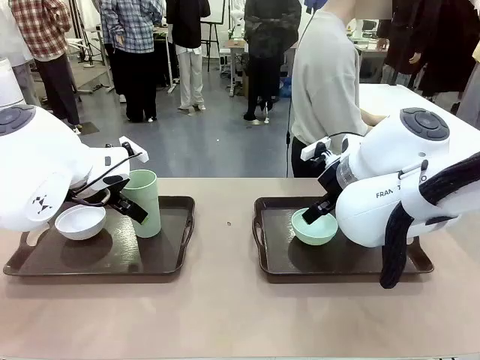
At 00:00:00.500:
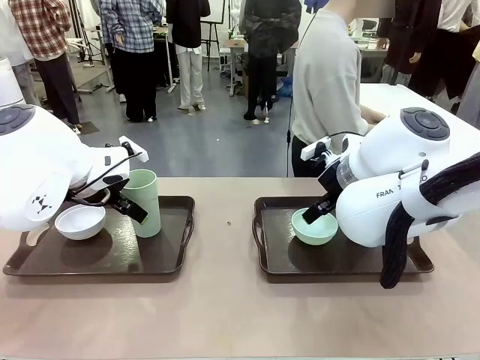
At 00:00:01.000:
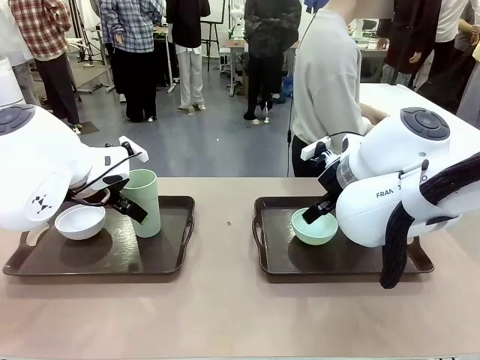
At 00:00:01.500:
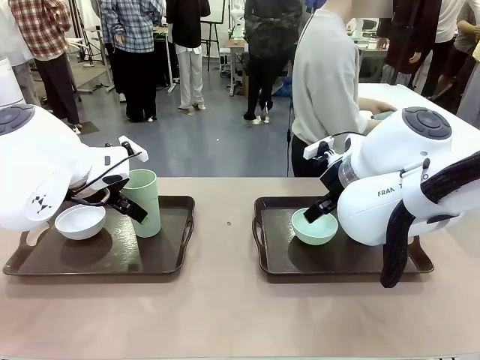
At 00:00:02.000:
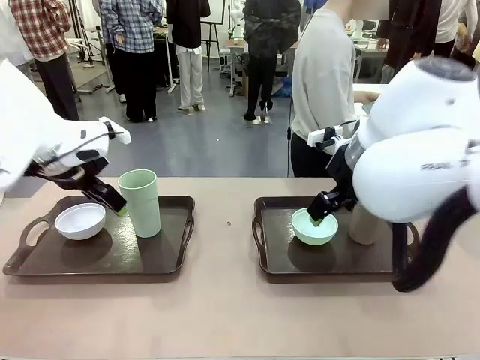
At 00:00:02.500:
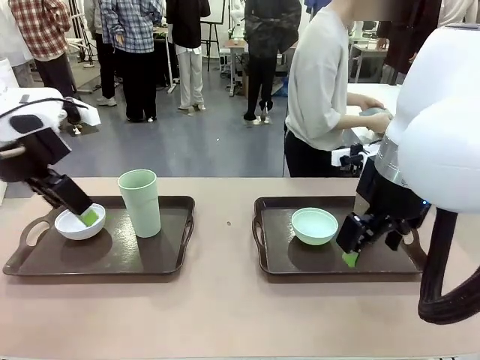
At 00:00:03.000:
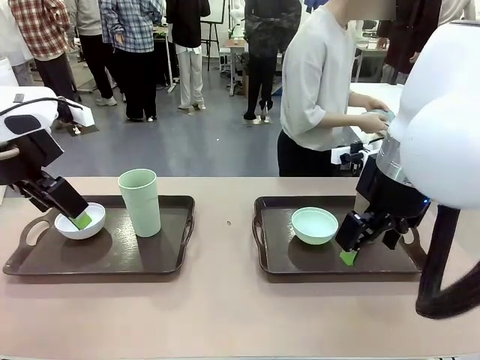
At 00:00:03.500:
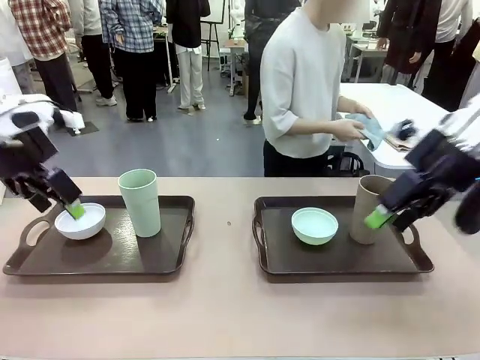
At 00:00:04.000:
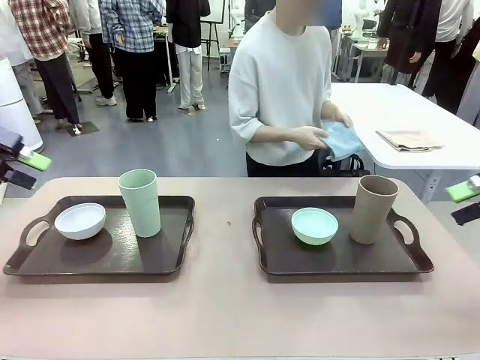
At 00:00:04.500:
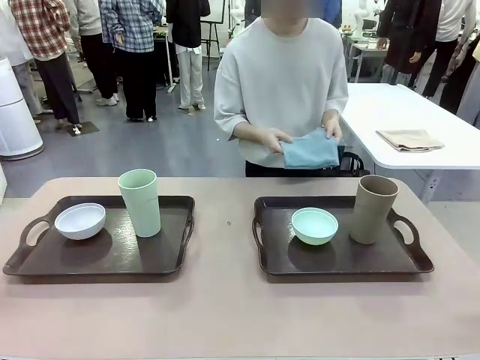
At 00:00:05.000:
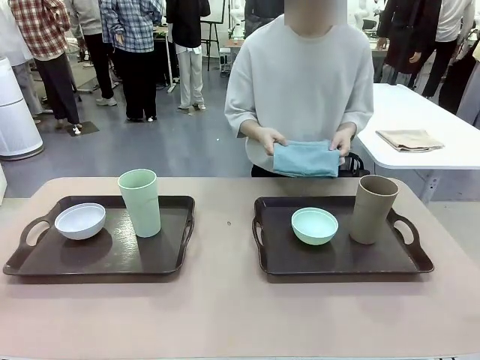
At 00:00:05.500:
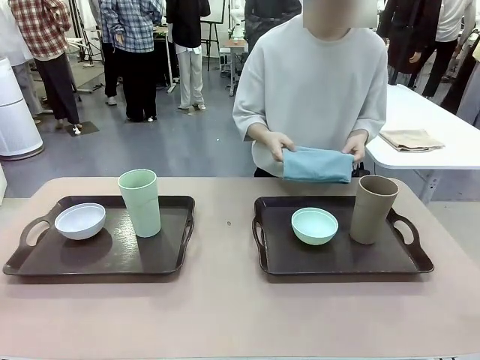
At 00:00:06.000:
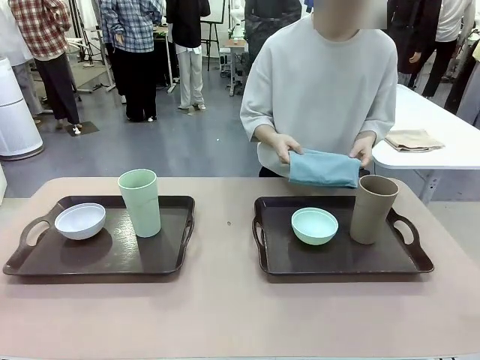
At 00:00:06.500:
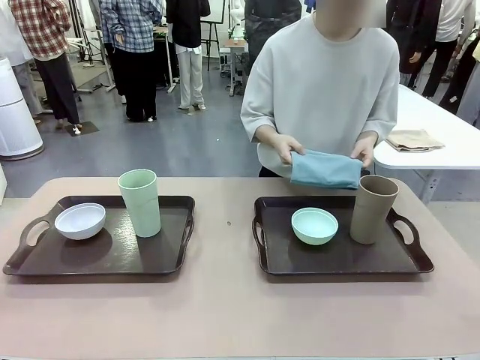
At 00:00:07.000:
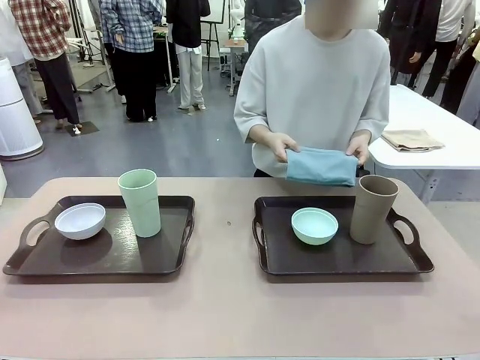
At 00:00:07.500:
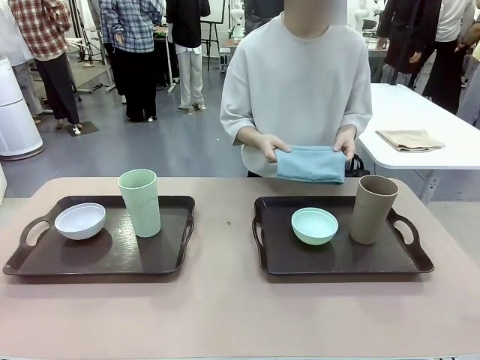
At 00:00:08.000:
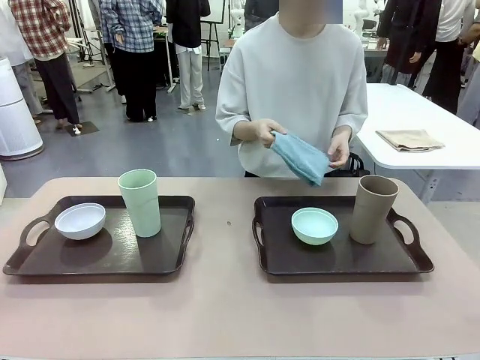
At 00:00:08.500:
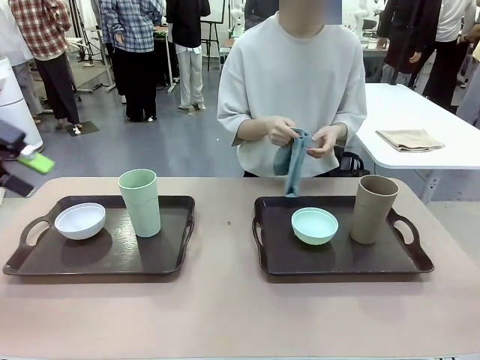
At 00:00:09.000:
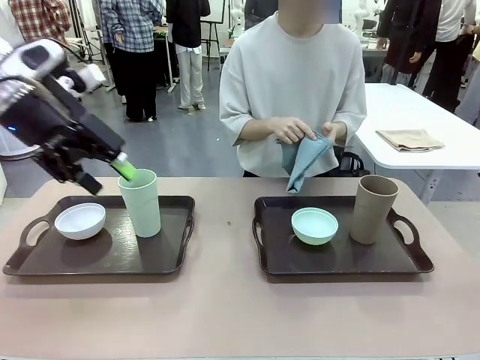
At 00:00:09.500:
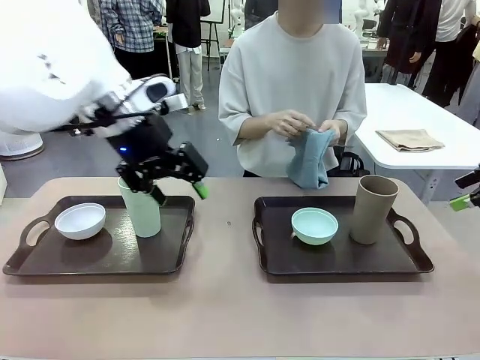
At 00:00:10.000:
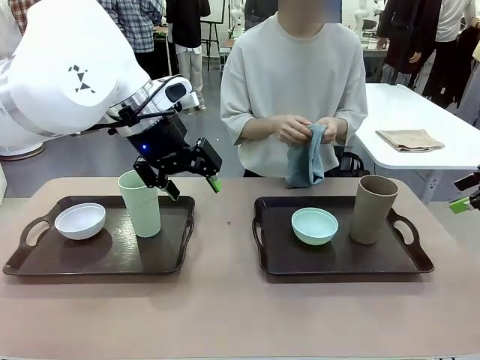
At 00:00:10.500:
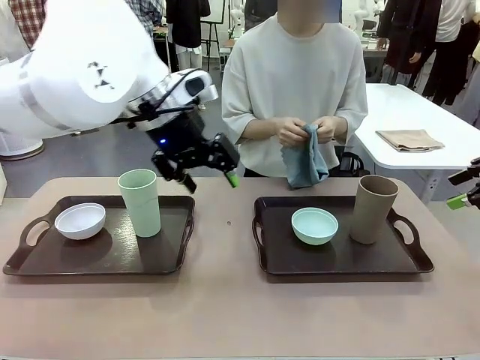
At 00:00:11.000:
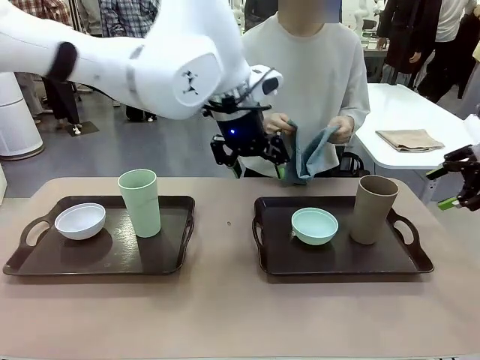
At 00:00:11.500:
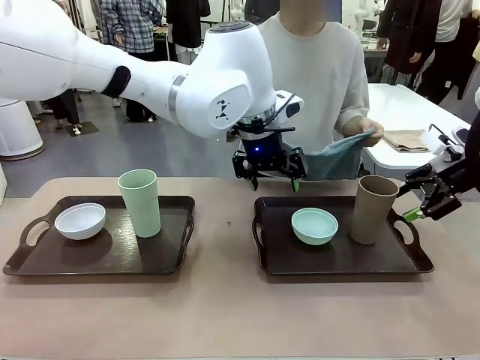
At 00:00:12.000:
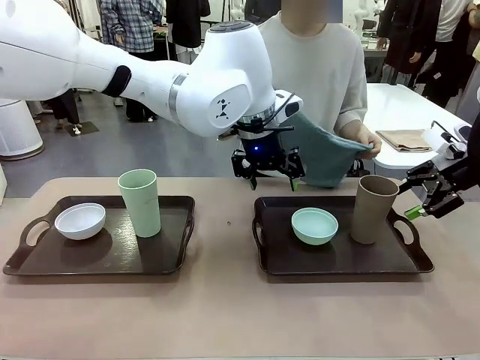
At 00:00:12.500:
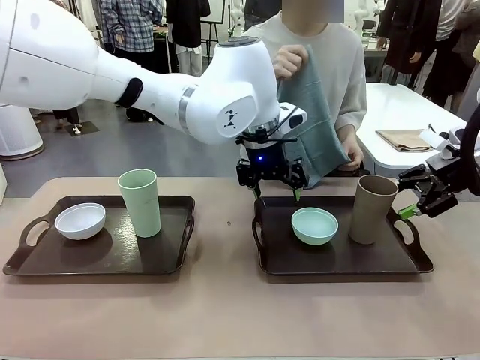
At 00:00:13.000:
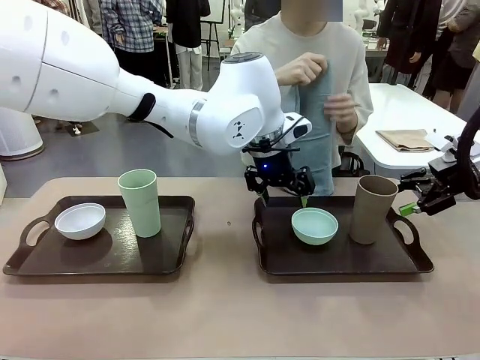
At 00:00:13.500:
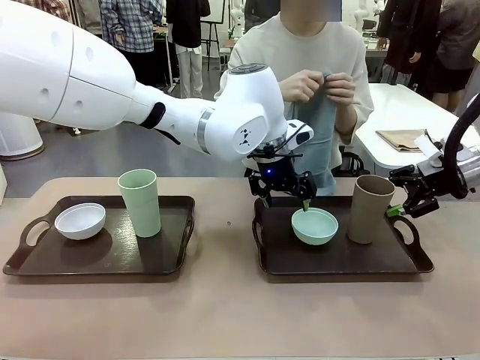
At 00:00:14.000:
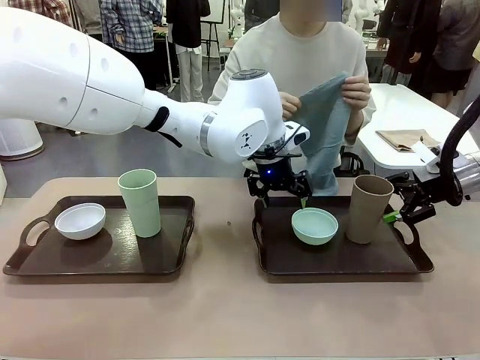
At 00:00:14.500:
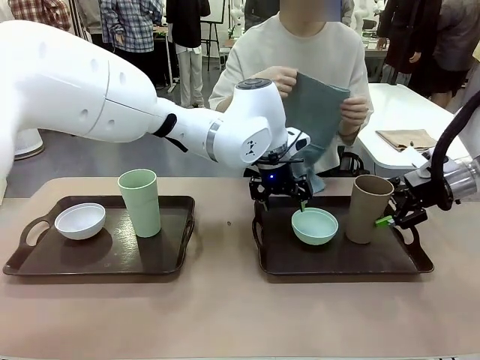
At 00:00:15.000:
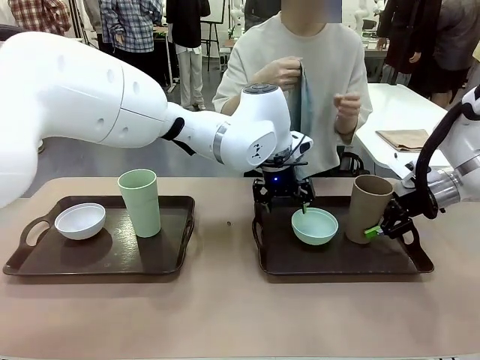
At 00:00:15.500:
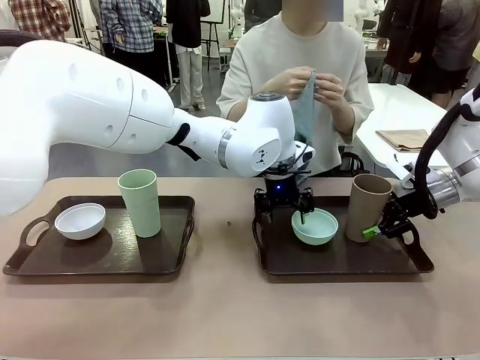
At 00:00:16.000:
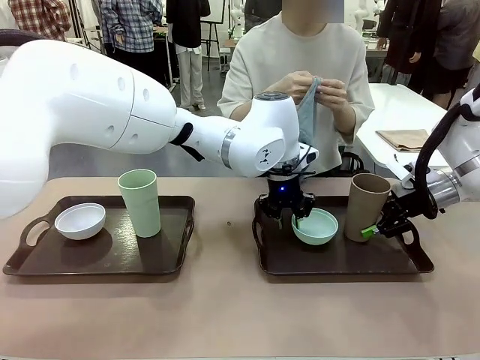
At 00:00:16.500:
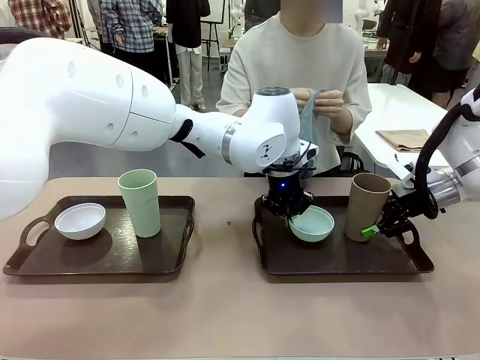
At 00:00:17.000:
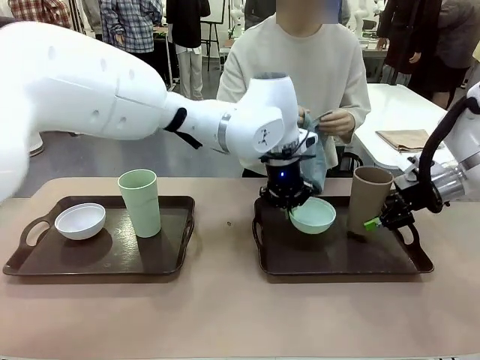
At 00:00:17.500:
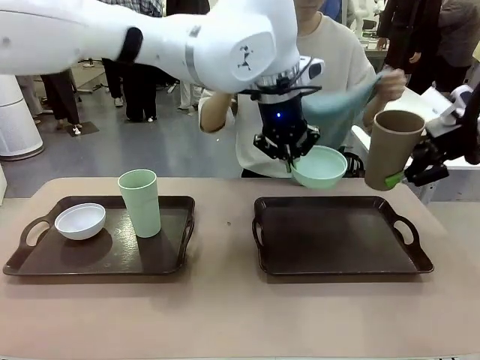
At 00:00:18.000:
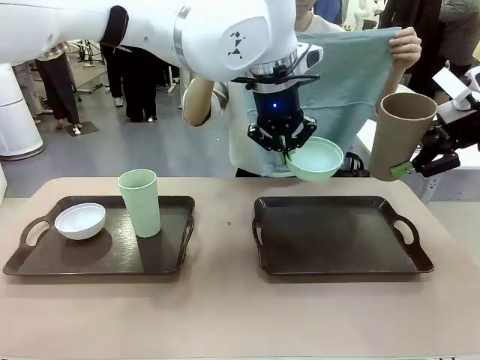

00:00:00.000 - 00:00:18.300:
Robot: Pick up the Picnic Bowl and Reusable plastic cup from the Handle tray in front of the human's position and hold them in the air.
Person: The human picks up the top napkin from the stack on the human table and walks to the robot table to stand in front of one of the two trays. When the robot lifts the bowl and the cup, the human unfolds the napkin and lays the napkin flat on the tray.

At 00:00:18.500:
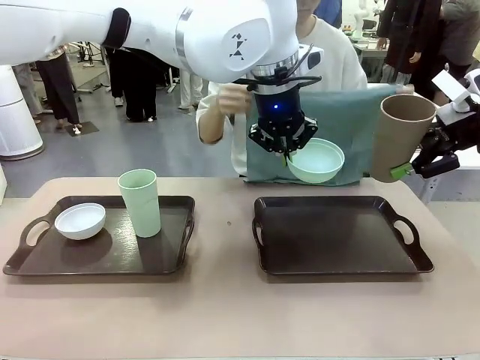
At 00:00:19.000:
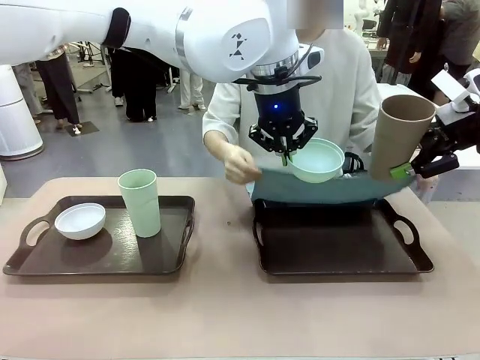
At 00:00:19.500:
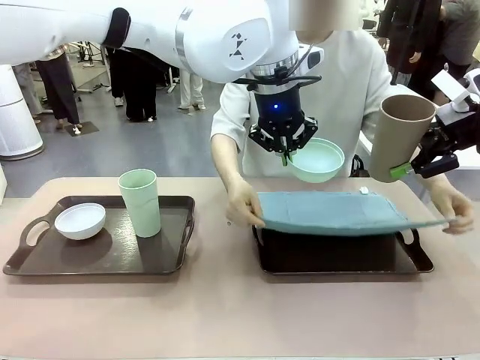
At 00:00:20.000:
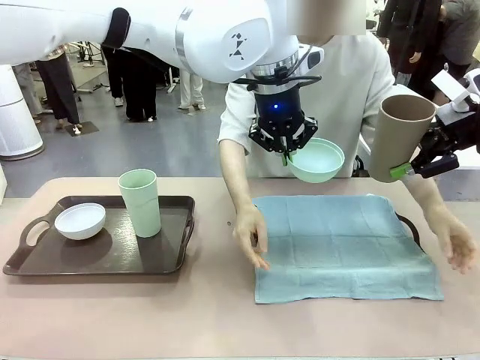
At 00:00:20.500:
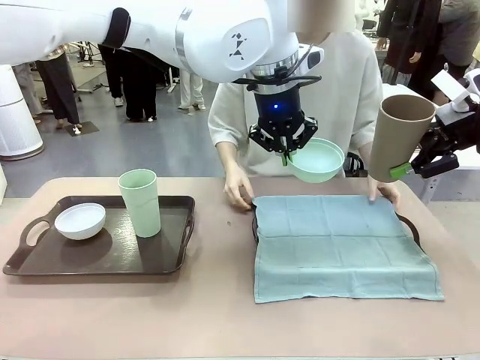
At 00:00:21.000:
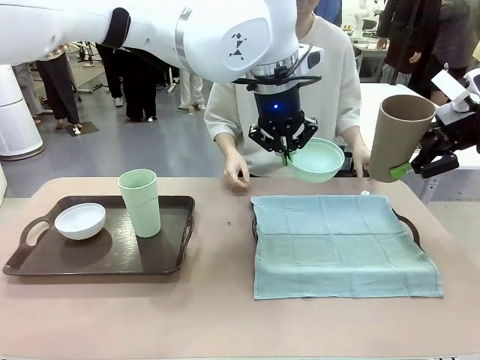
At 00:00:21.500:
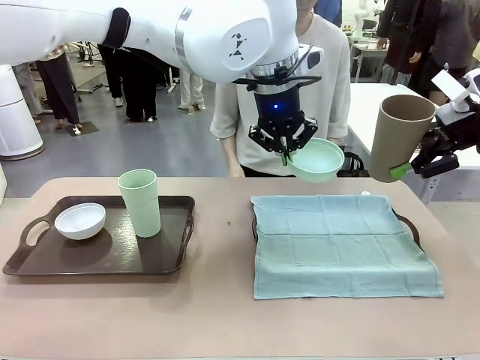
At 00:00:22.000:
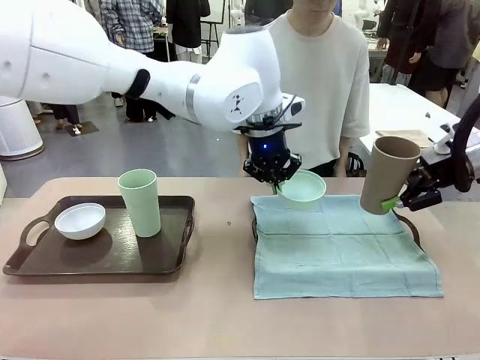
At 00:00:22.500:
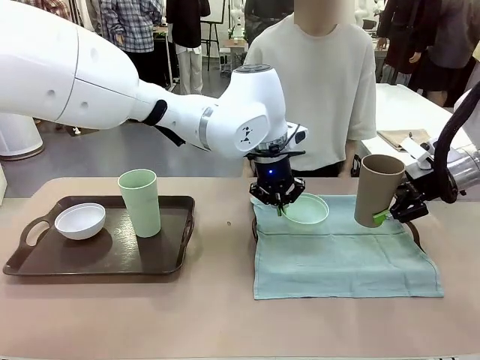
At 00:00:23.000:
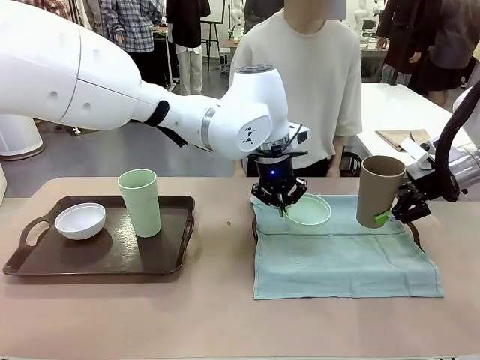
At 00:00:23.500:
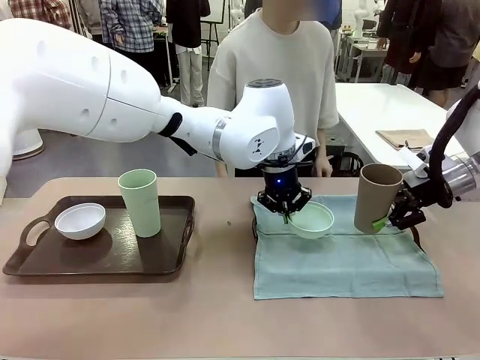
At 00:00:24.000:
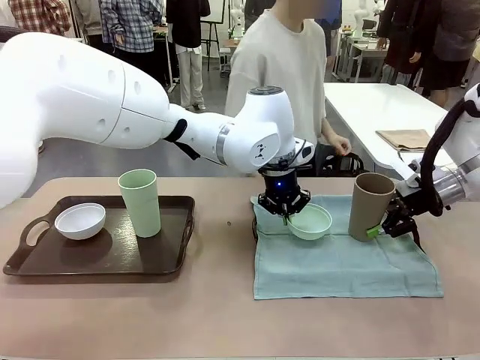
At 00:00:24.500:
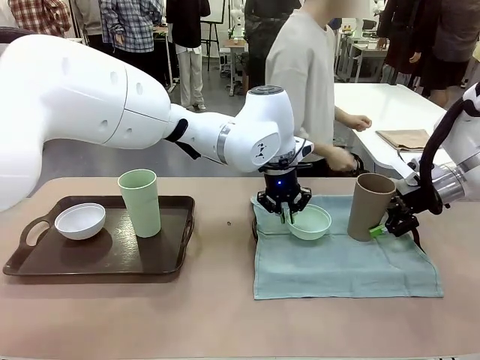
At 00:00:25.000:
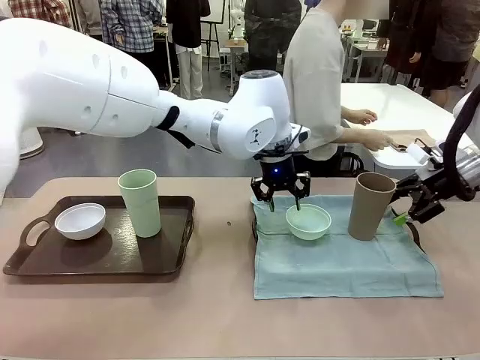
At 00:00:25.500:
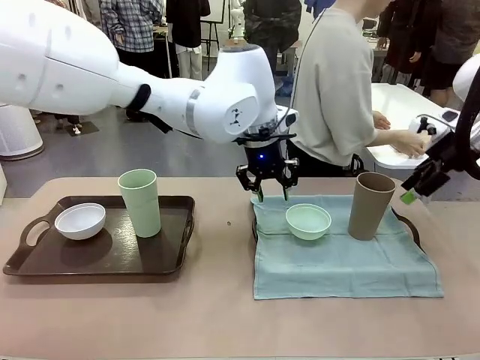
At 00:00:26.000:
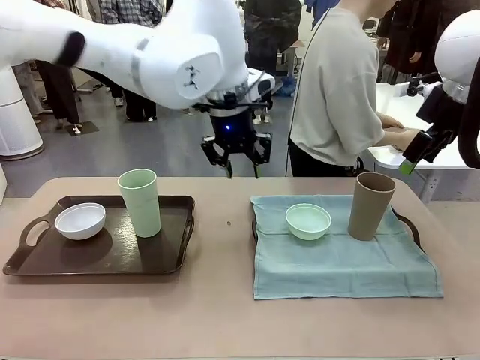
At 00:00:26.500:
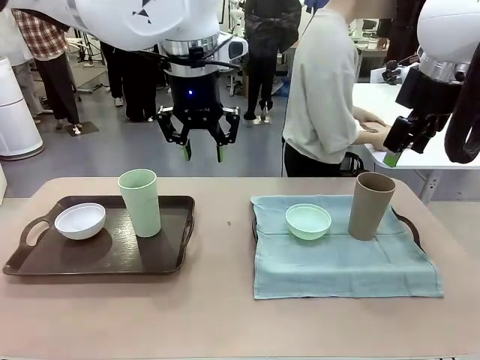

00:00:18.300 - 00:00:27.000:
Robot: Place the Picnic Bowl and Reusable plastic cup back onto the Handle tray in front of the human's position.
Person: The human returns to the human table to pick up another napkin and walks to the robot table to stand in front of the tray without a napkin.
